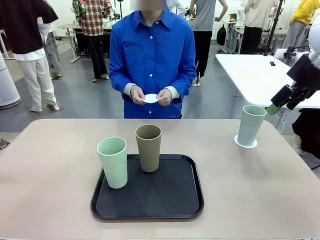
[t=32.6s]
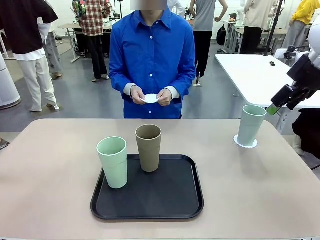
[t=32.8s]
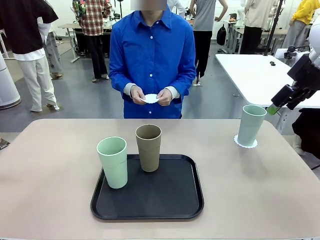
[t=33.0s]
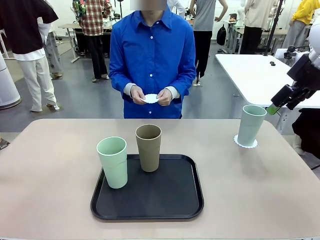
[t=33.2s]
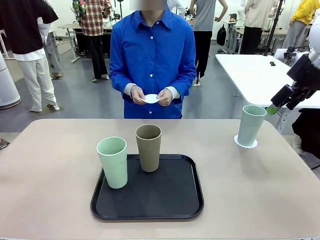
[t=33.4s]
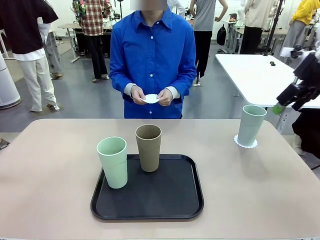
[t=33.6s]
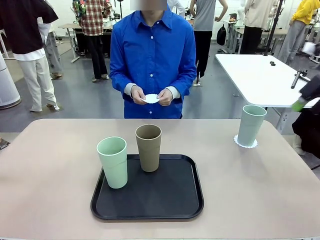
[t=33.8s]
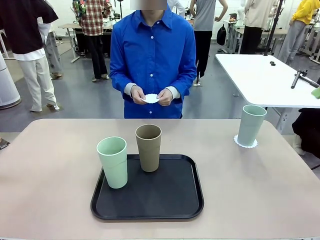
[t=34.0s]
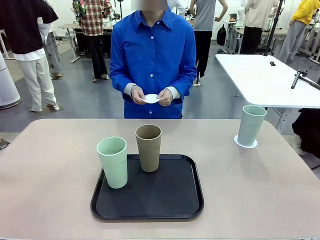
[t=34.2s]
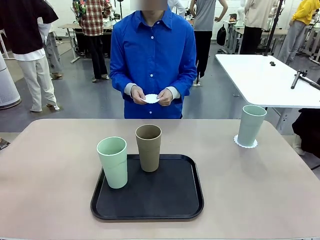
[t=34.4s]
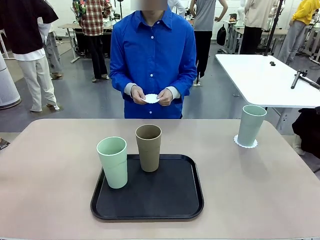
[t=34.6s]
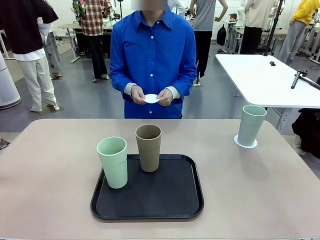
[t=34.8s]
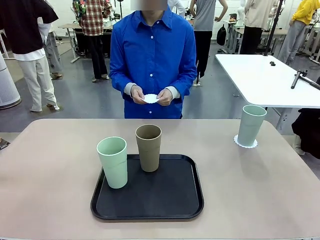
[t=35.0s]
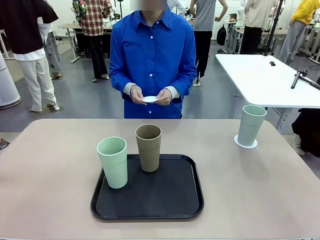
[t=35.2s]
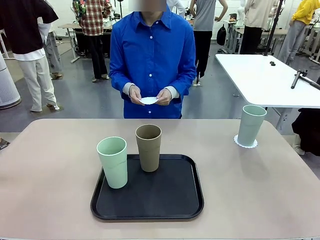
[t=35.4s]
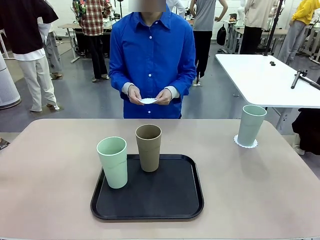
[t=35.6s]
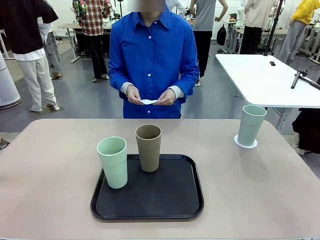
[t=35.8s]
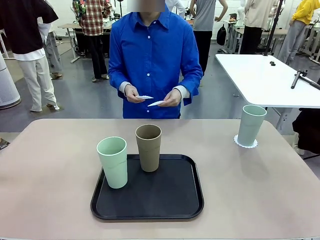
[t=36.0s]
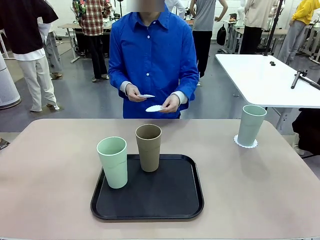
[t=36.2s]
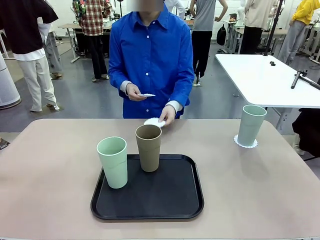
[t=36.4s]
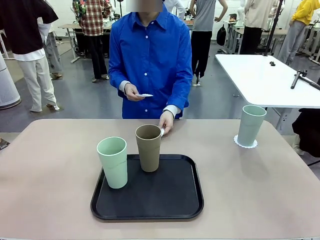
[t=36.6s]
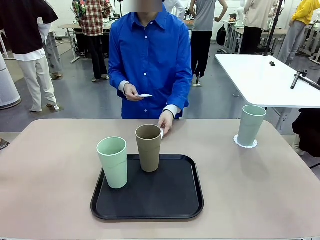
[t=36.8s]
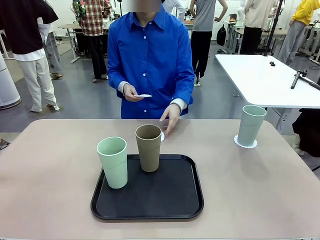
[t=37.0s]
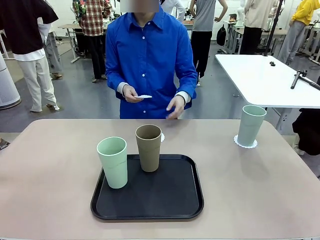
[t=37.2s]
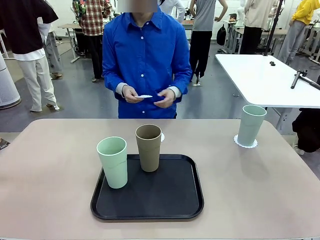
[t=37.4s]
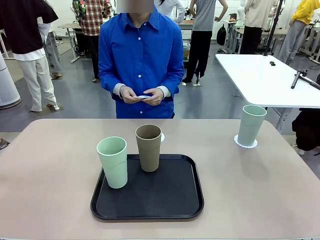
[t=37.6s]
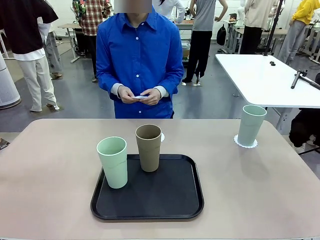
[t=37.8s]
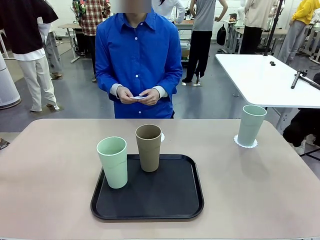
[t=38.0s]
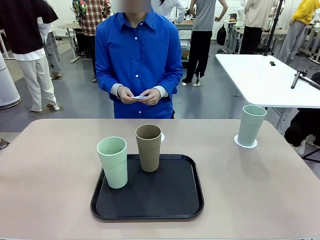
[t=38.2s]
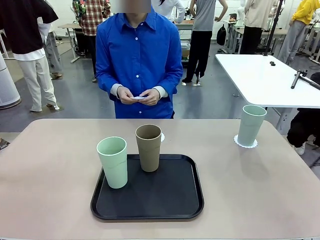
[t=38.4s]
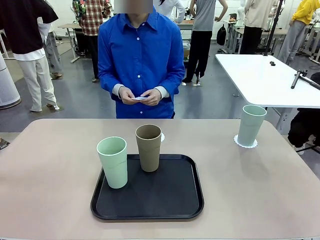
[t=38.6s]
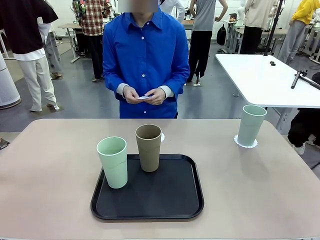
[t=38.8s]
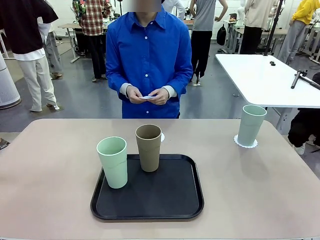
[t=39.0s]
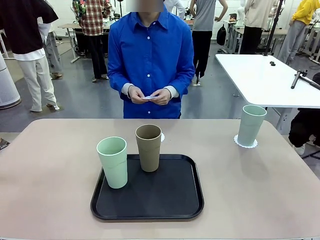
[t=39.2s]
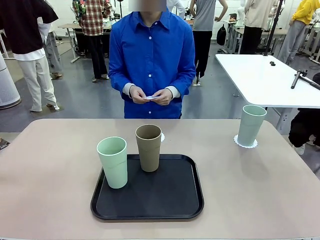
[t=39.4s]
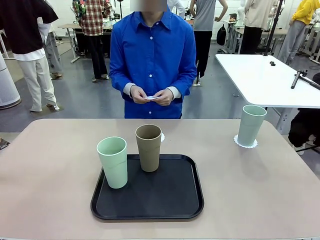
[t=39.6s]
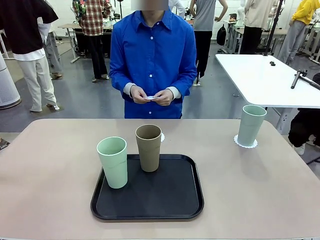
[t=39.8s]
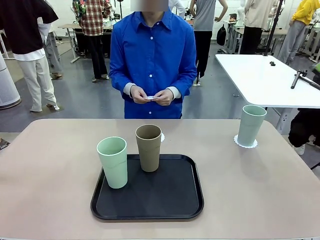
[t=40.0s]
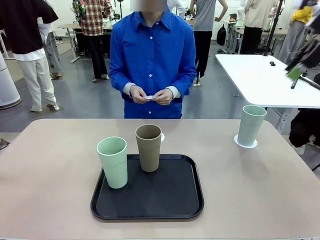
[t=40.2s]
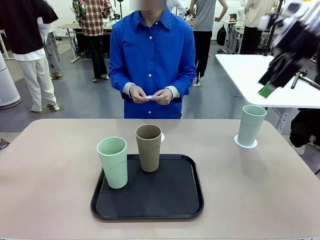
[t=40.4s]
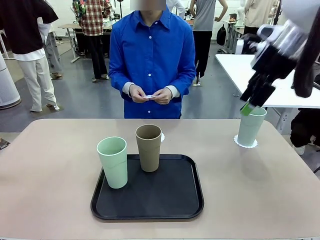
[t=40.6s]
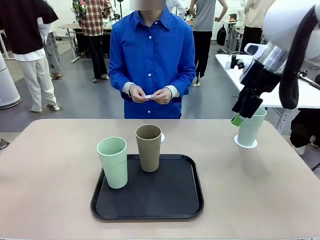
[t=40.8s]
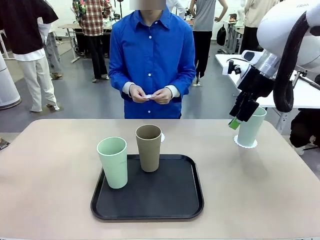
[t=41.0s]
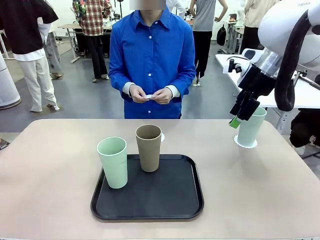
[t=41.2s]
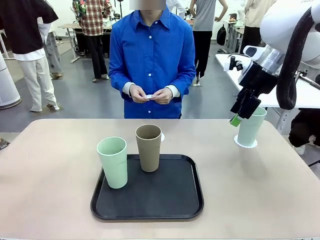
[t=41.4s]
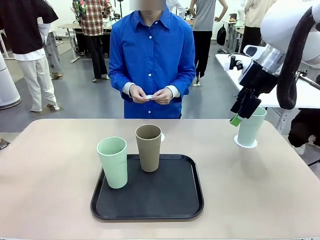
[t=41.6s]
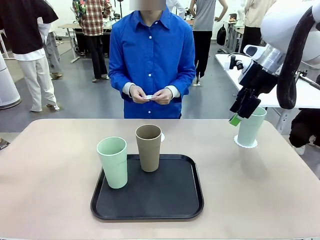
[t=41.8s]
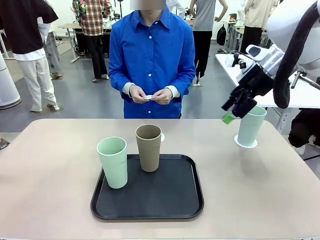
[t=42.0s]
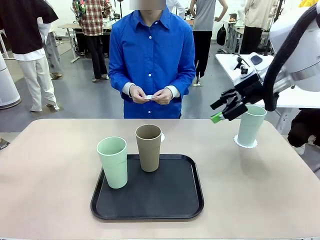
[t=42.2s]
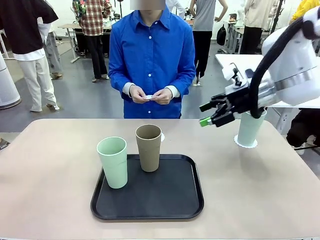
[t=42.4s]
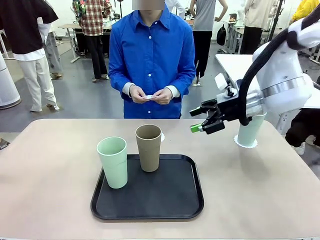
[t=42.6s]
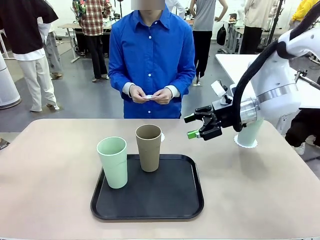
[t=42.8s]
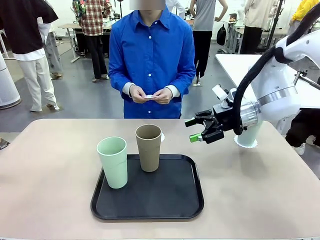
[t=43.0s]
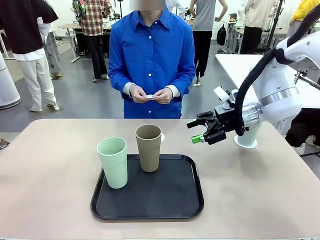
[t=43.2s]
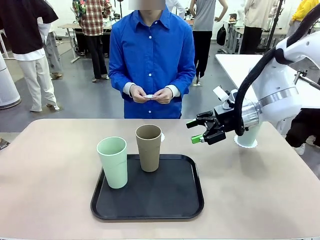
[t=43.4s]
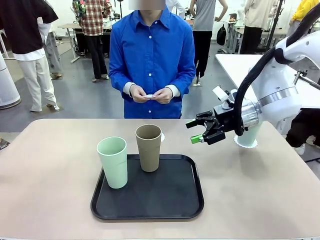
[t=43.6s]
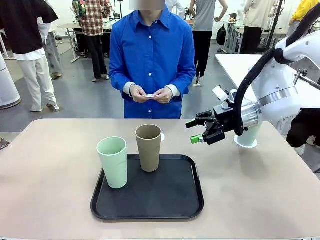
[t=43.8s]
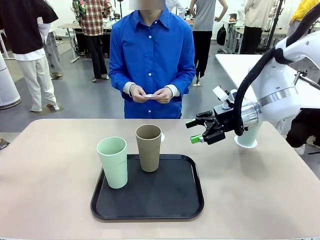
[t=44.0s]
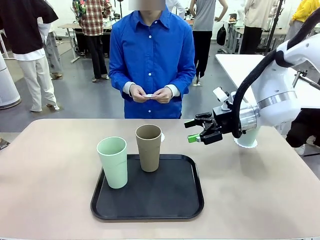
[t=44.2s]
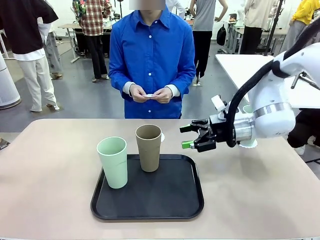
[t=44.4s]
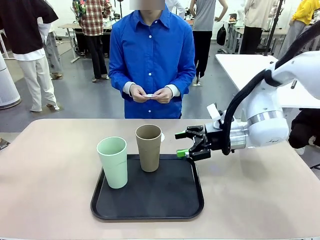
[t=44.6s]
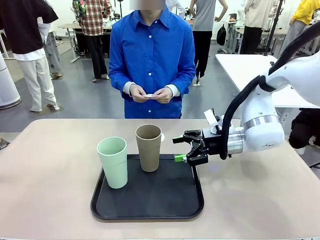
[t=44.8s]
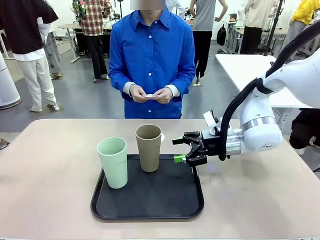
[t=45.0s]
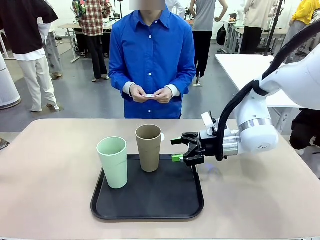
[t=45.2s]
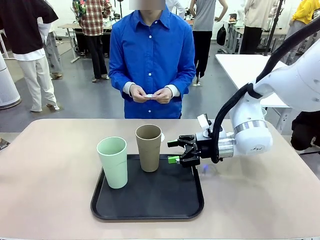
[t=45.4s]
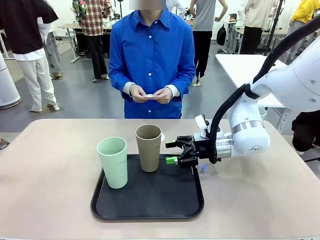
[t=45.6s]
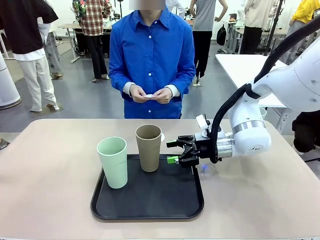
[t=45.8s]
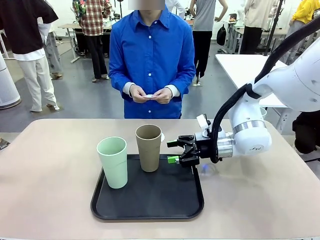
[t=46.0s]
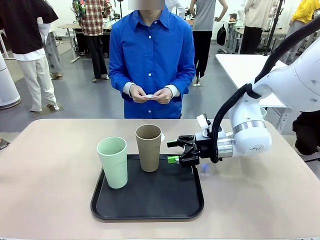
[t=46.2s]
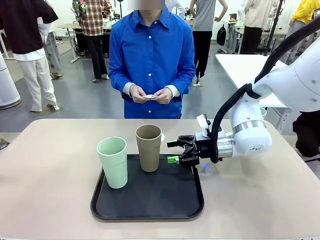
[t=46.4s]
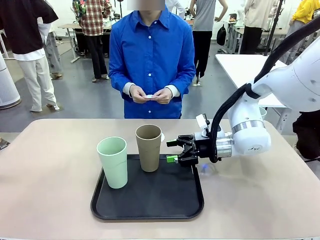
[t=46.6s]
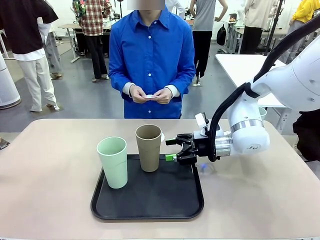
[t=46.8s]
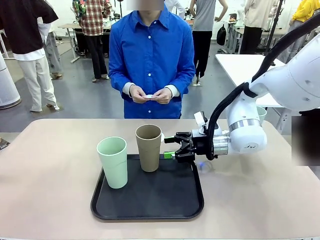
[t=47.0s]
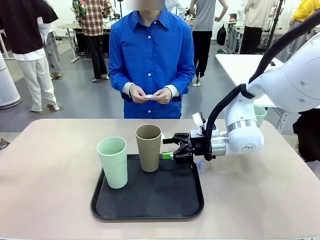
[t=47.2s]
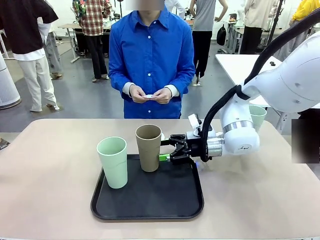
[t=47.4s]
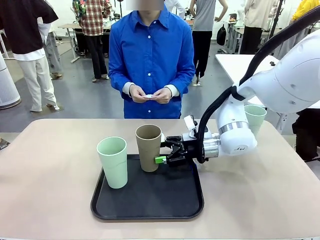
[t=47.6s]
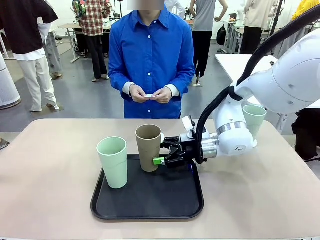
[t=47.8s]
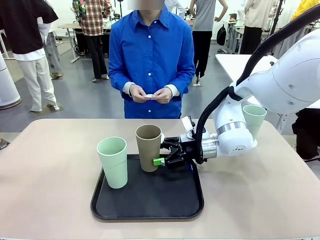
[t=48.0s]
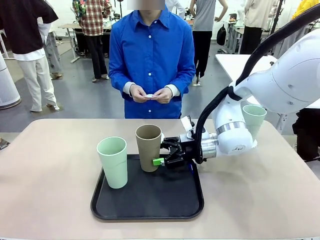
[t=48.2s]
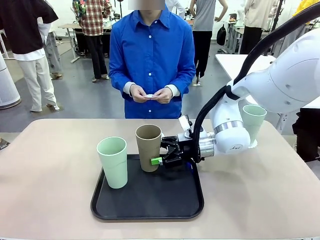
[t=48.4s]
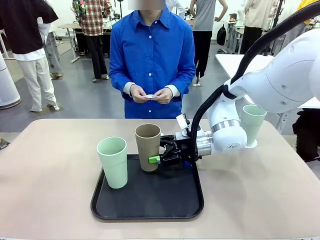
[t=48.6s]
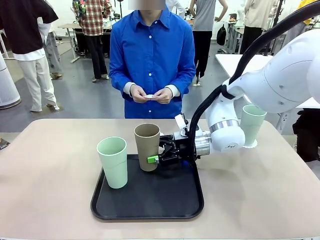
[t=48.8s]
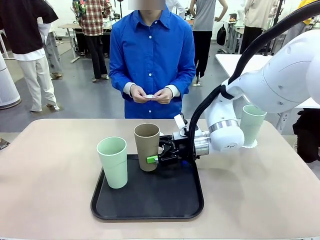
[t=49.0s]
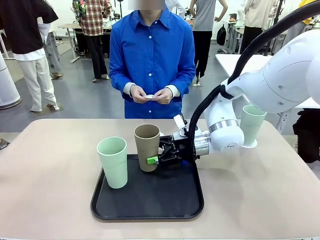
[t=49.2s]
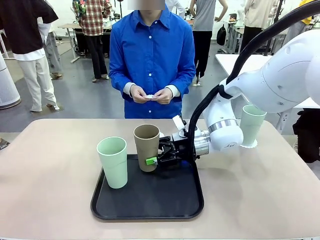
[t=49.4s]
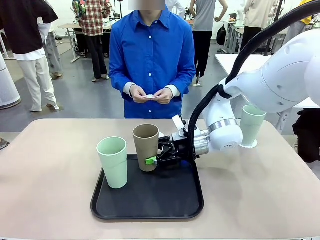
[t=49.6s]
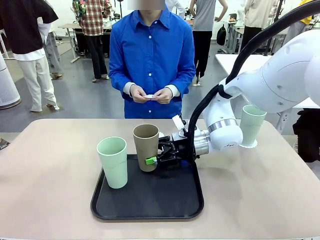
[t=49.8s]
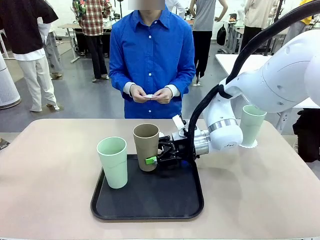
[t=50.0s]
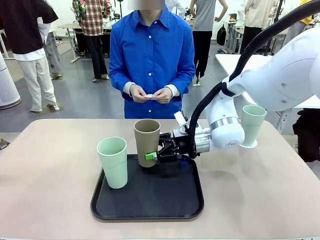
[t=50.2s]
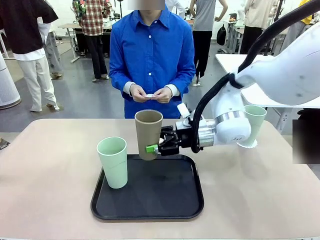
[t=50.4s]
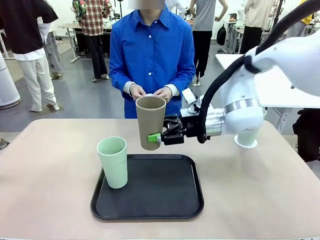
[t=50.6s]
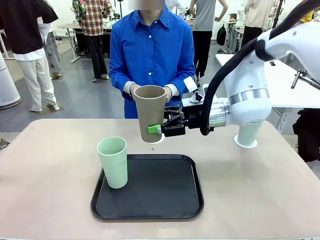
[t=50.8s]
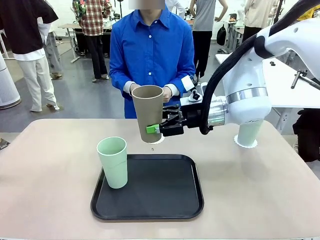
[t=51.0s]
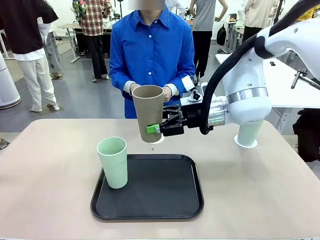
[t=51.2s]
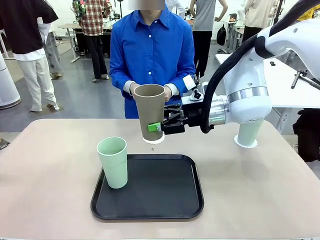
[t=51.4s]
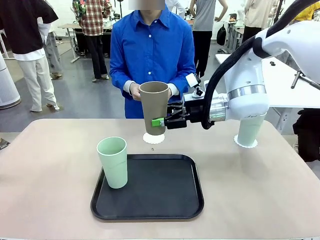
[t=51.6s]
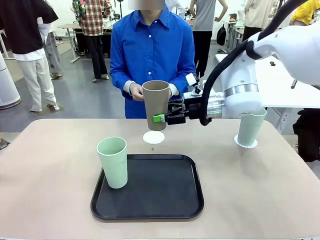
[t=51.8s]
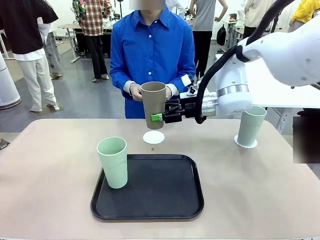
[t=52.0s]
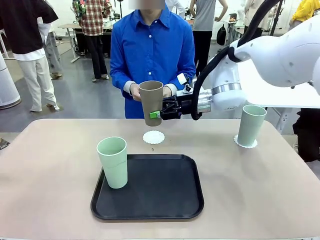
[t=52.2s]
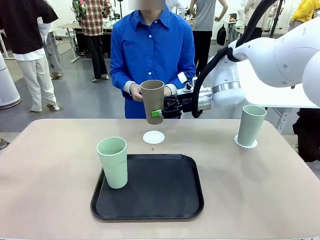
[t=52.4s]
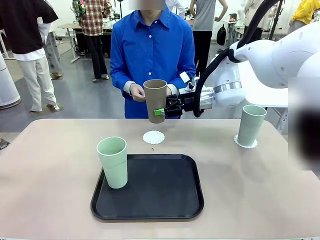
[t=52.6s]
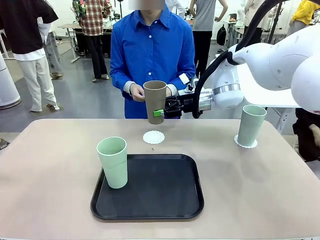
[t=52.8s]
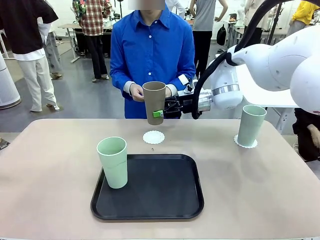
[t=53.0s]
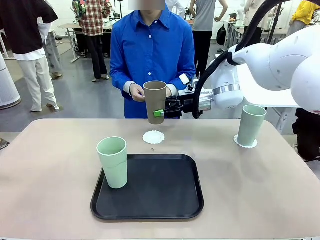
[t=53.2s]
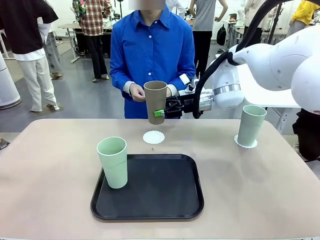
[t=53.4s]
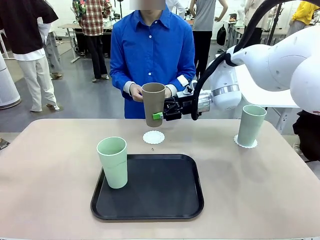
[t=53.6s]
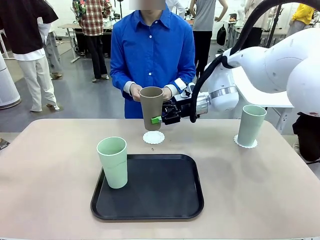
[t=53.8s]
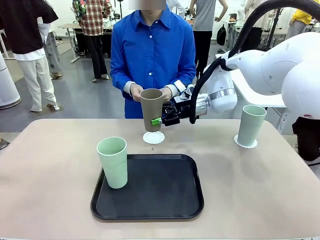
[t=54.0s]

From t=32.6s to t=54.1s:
Task: Place coasters on the table and set cups on them.
Robot: Take one Reusable plastic cup from the Flat Tray and place it on a coaster set by the human.
